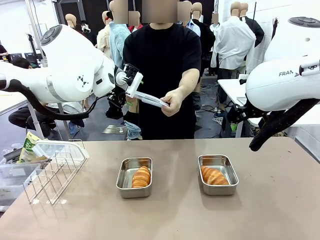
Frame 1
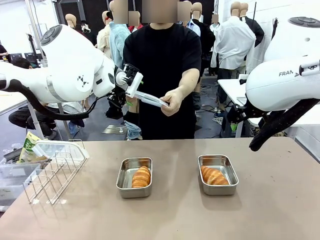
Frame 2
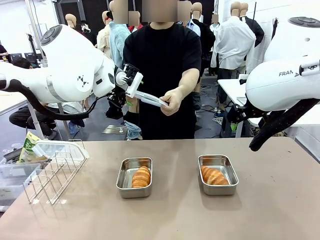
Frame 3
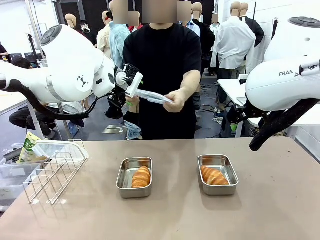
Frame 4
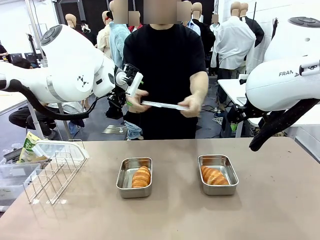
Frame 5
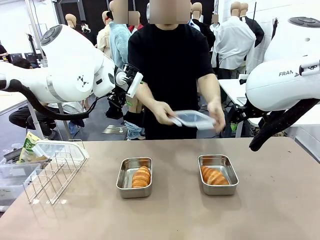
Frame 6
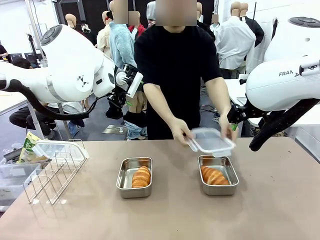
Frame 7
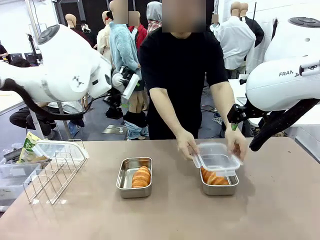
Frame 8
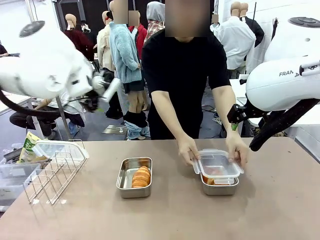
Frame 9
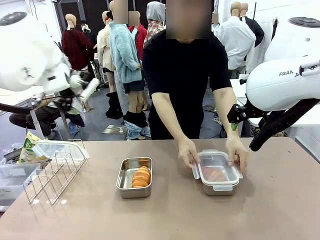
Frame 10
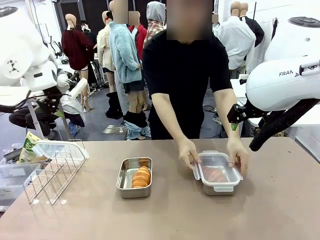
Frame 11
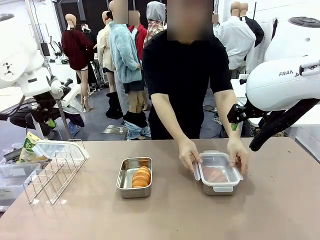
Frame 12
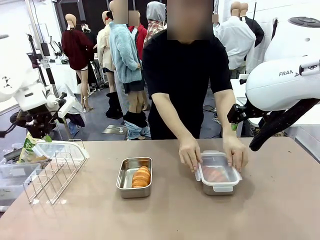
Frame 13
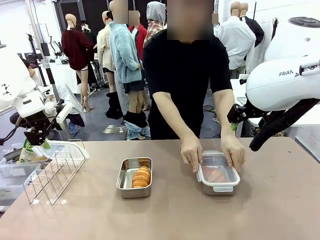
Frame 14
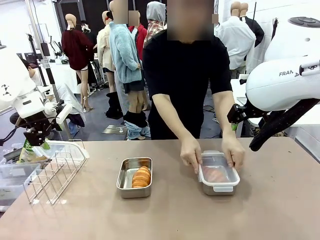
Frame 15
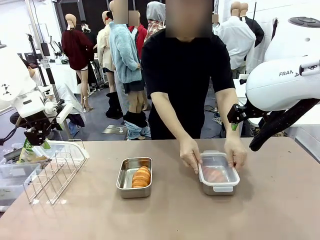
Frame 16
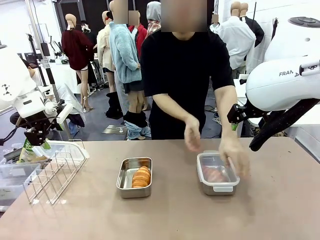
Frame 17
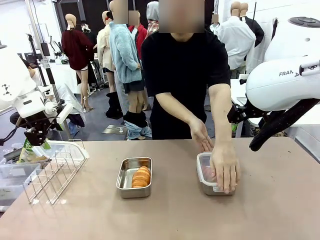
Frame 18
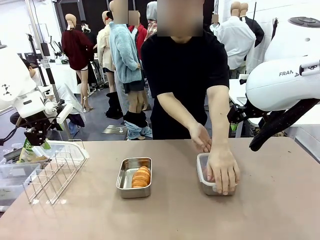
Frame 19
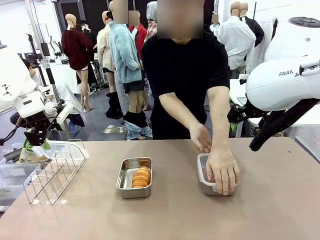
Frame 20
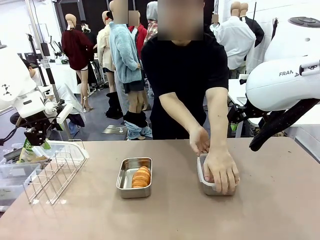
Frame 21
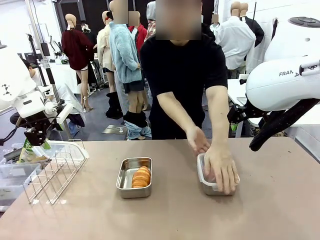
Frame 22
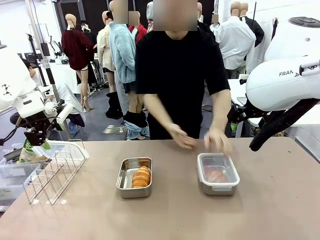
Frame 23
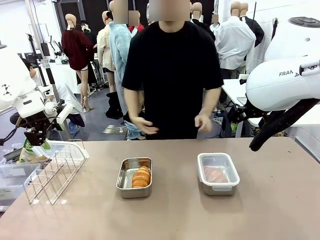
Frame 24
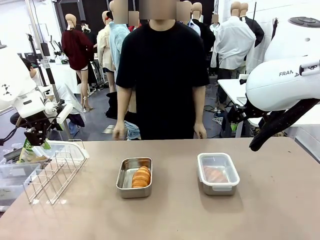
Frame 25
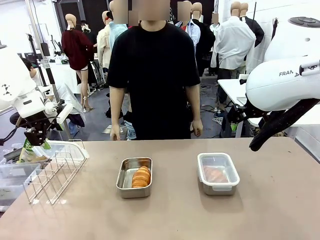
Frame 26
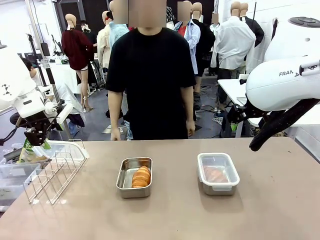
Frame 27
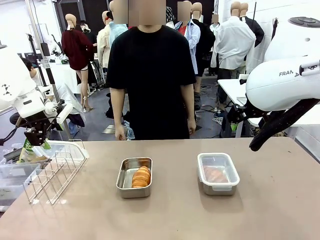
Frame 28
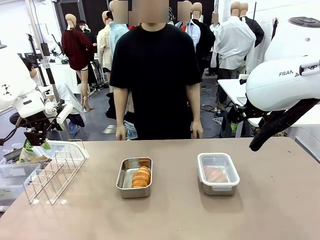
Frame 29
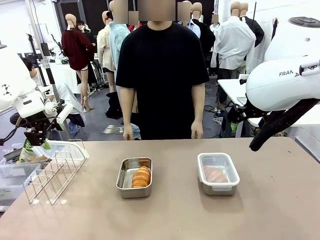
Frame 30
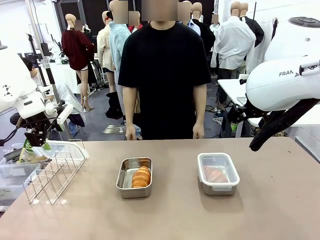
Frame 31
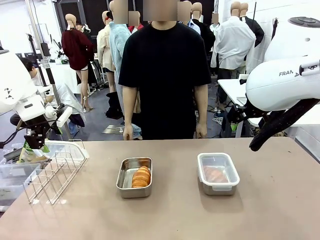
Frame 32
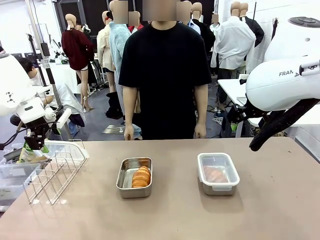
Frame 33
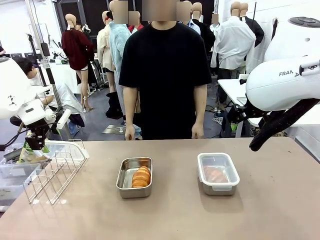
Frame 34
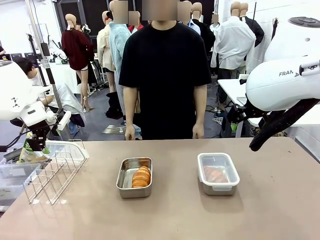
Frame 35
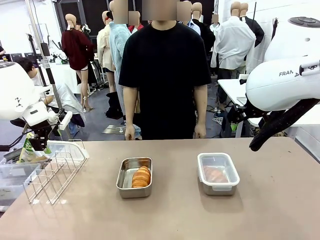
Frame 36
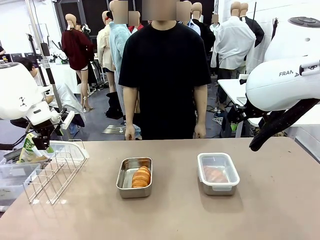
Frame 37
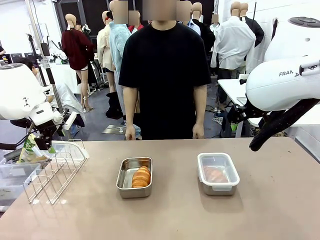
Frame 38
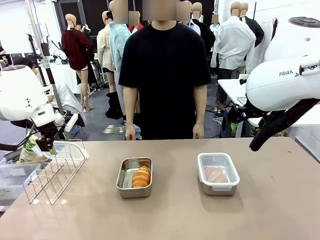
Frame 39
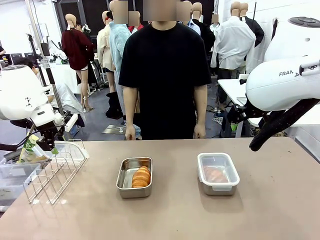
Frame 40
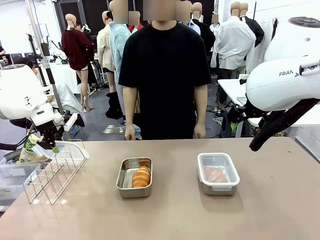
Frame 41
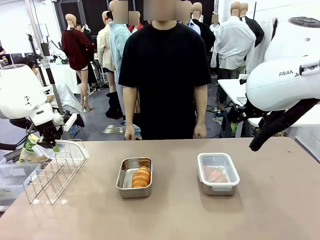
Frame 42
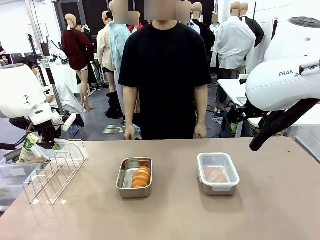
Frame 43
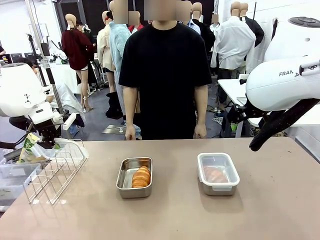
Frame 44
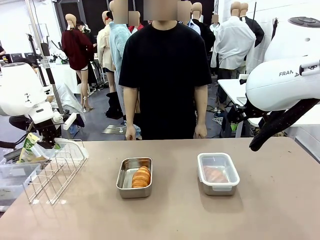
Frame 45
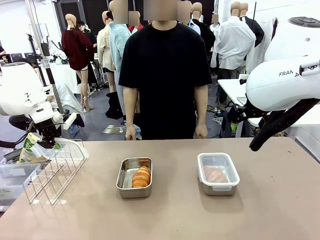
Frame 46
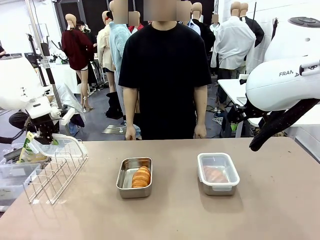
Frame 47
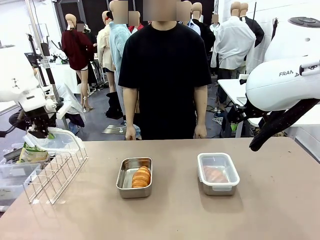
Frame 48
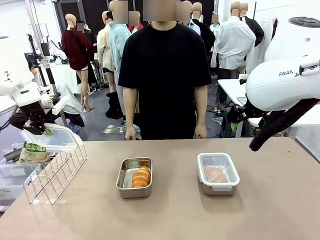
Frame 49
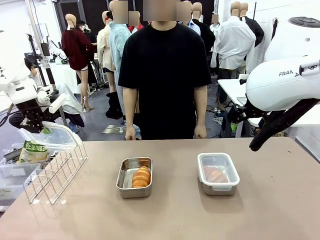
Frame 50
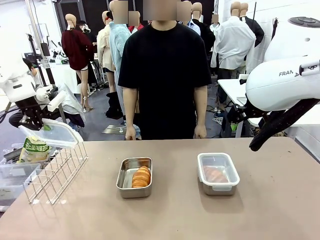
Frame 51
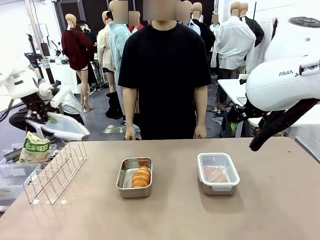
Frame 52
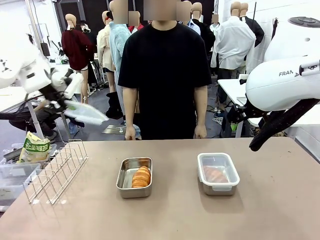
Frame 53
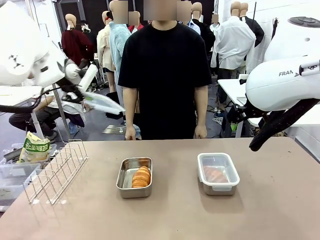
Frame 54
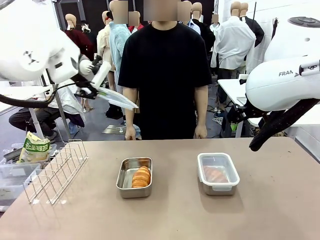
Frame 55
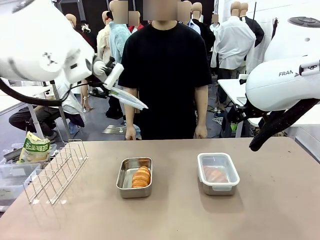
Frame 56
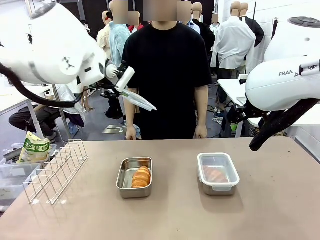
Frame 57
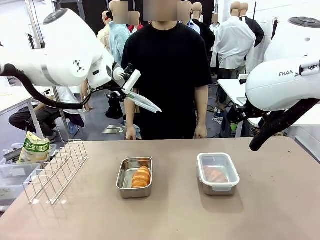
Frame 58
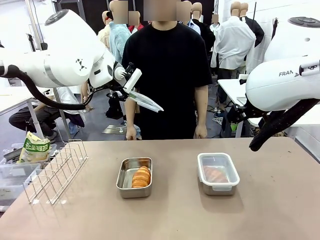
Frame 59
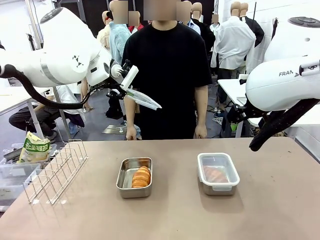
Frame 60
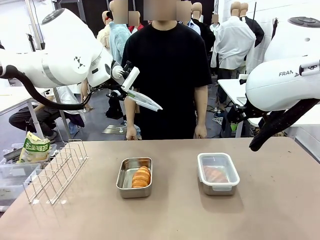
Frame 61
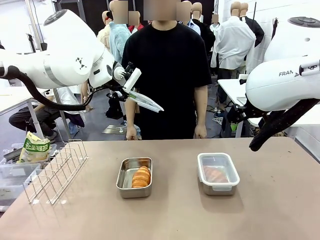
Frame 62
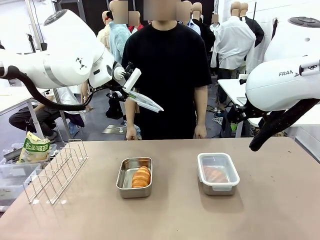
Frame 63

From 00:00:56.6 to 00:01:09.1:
Task: Place the bread in airtight containers.
Robot: Pick up one Airtight Container lid and hand it to the human.
Person: Close Airtight Container with a handed Airtight Container lid. Grip Airtight Container lid that robot is handing.

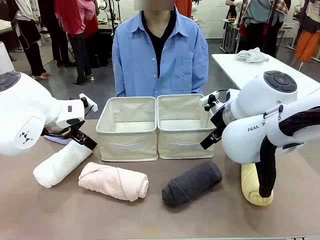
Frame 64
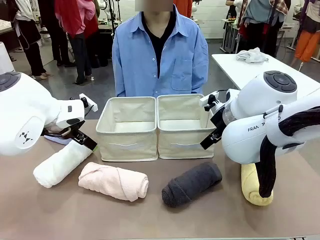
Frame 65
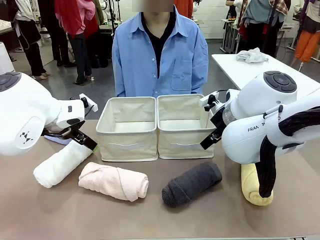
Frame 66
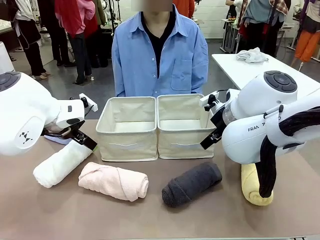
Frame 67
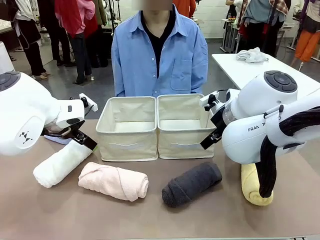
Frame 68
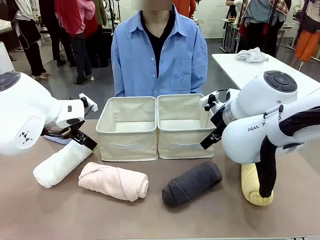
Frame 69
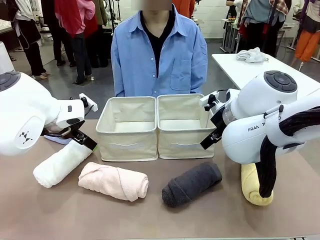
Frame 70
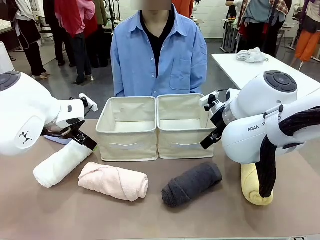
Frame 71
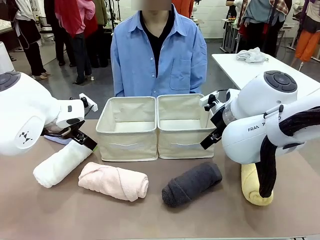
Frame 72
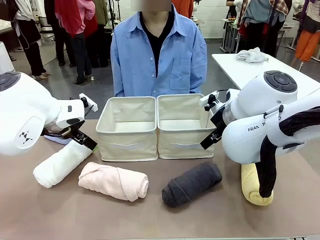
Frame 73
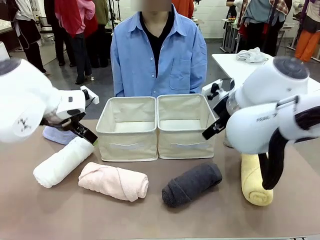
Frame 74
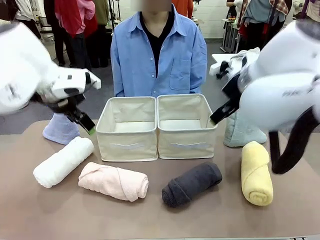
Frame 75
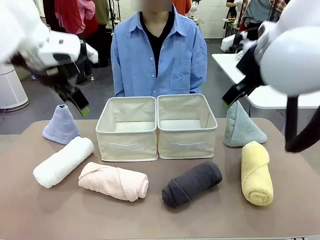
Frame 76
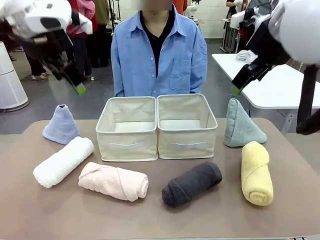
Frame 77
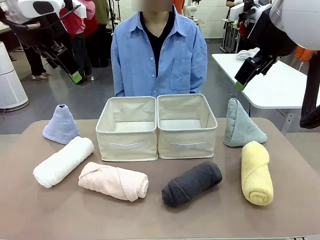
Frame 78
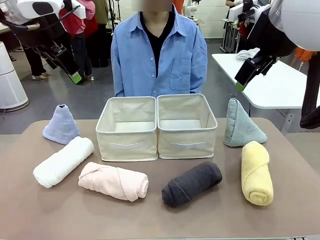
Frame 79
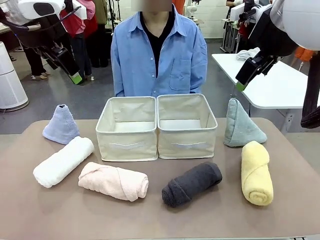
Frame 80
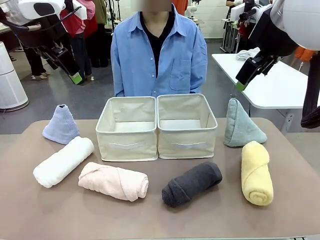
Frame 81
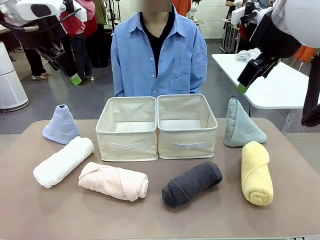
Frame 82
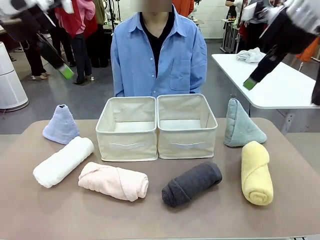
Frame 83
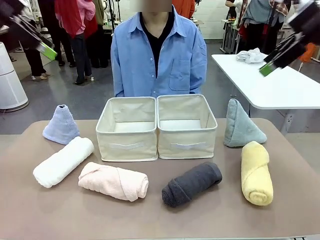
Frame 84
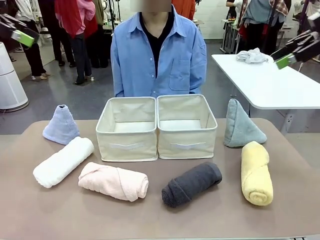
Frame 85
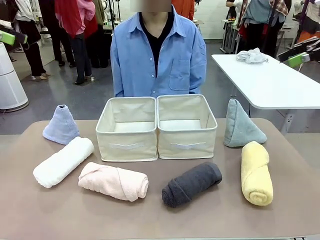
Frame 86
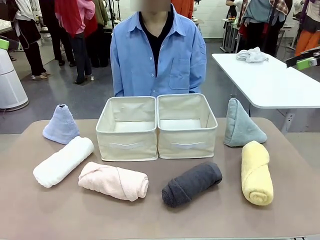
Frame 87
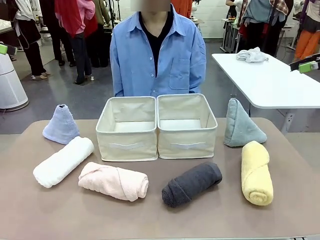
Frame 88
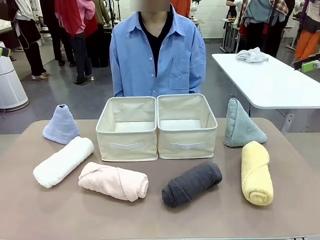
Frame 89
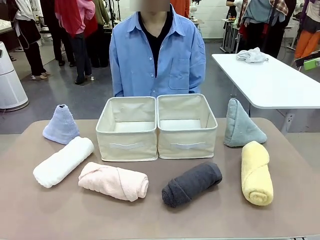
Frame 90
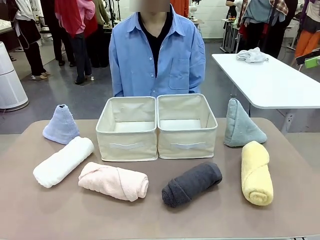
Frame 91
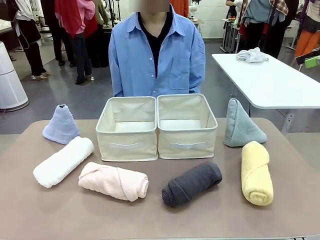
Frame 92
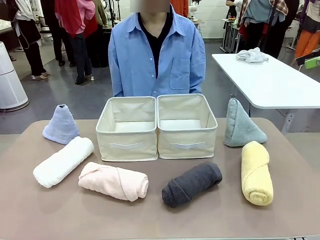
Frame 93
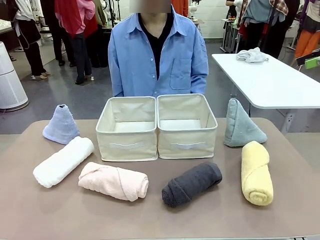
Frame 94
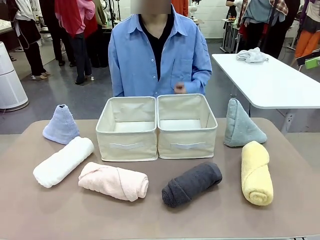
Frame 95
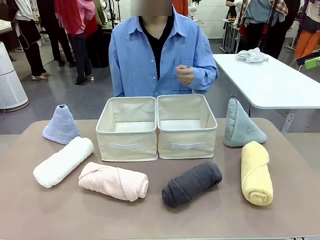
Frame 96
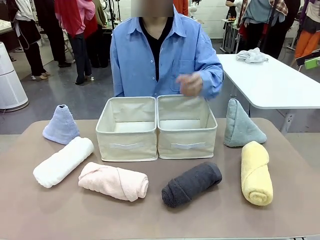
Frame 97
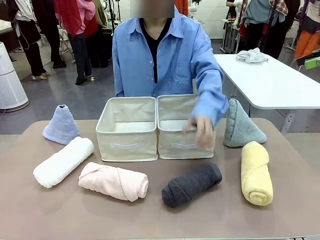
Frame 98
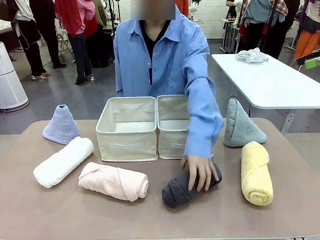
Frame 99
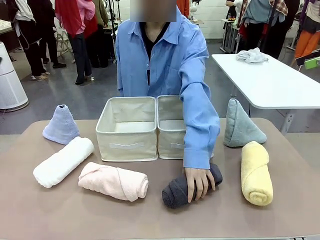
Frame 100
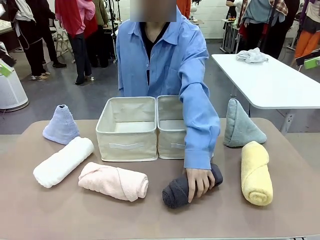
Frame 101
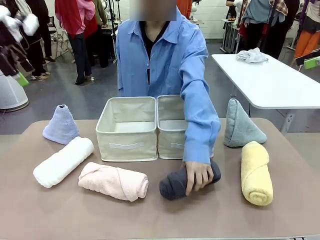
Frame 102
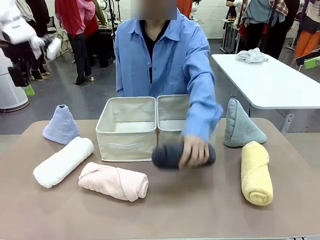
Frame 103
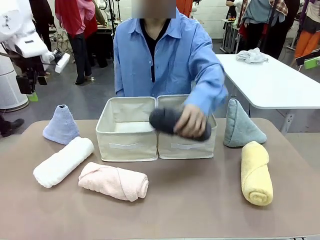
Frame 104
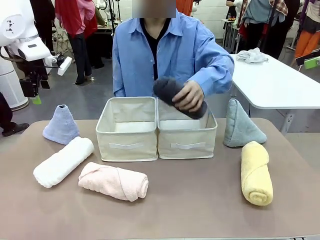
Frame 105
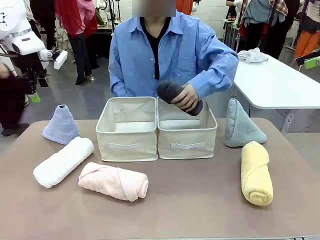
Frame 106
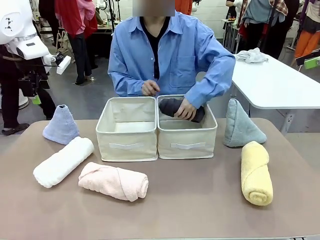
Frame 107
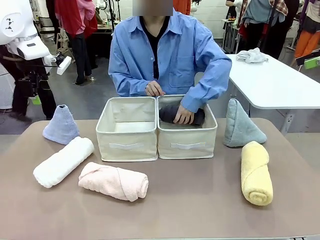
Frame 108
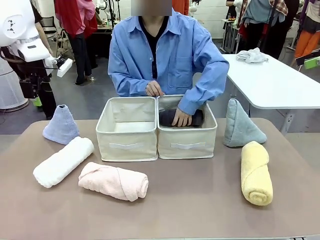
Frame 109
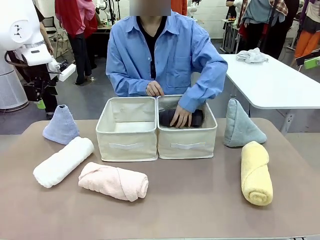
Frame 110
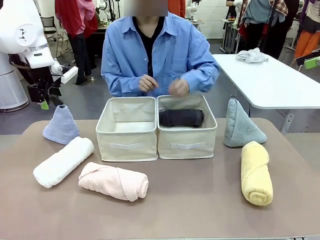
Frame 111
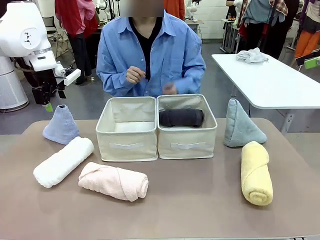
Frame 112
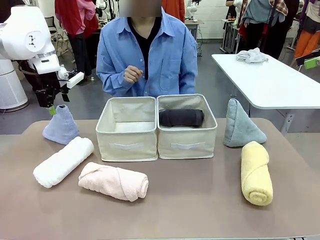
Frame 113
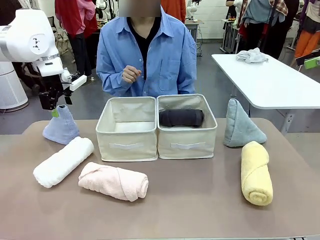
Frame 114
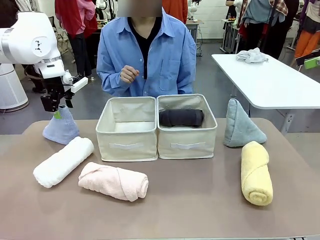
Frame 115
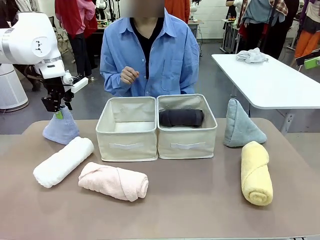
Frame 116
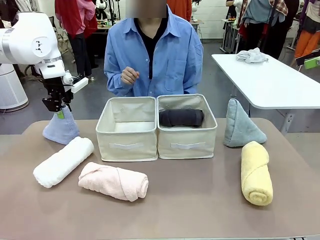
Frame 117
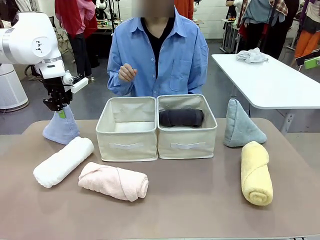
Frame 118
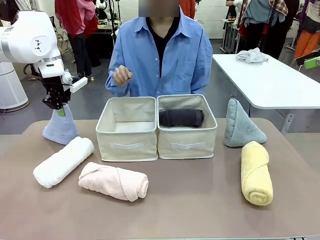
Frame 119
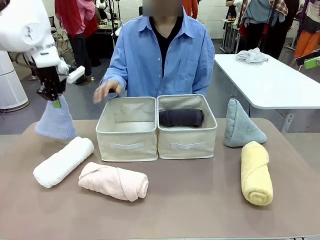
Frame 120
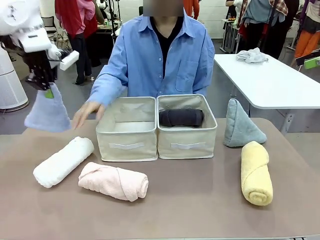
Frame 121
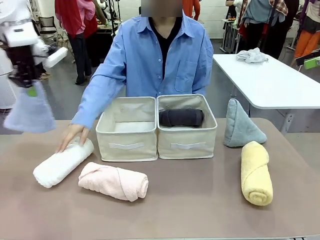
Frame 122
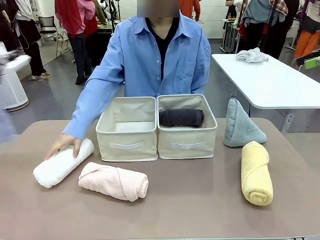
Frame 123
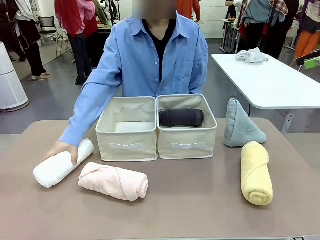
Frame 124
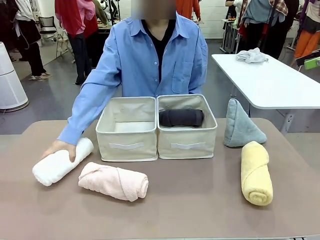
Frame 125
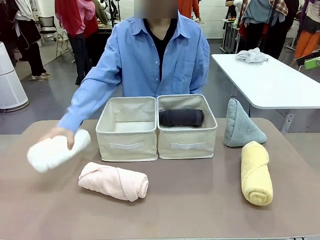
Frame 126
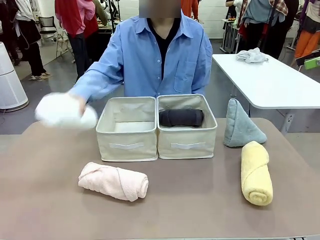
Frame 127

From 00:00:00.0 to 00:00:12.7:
Task: Sort the towels based on their folding style.
Robot: Pick up one triangle-folded towel and place it in the left Fabric basket.
Person: Pick up one hotel-style rolled towel and place it in the left fabric basket.
